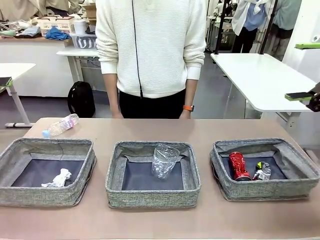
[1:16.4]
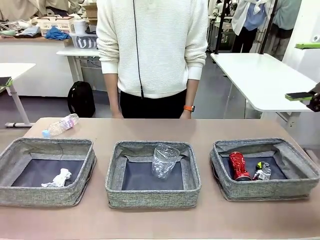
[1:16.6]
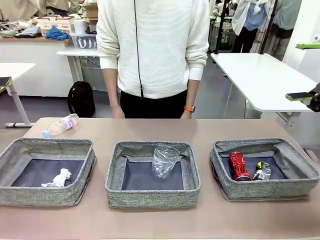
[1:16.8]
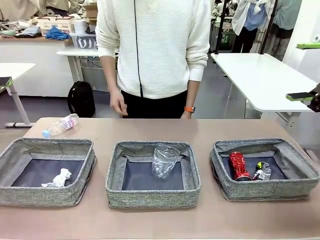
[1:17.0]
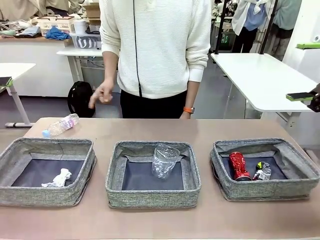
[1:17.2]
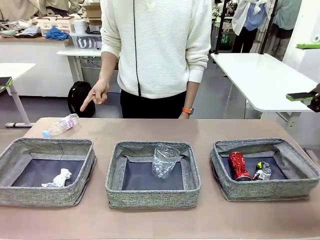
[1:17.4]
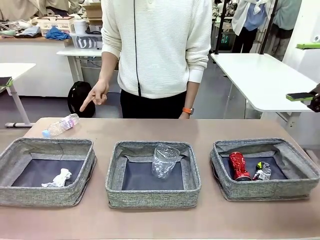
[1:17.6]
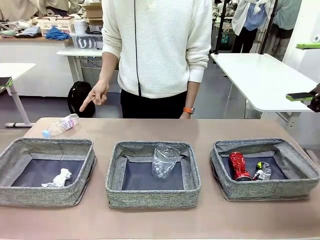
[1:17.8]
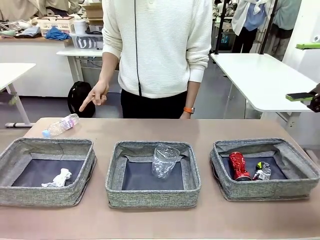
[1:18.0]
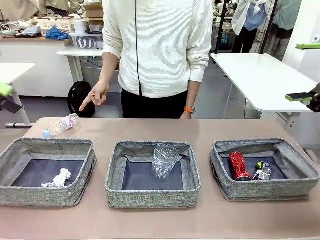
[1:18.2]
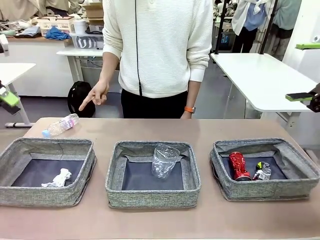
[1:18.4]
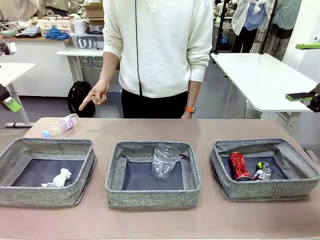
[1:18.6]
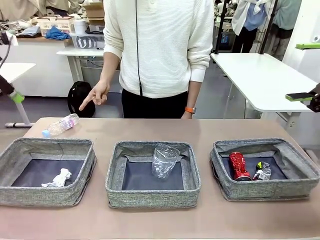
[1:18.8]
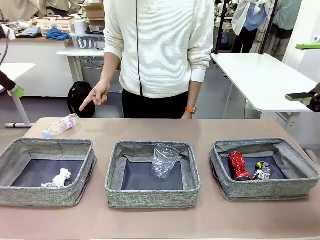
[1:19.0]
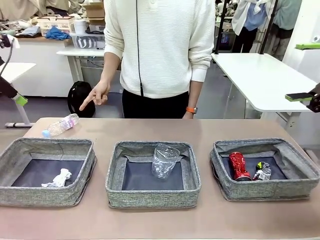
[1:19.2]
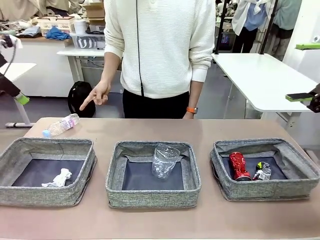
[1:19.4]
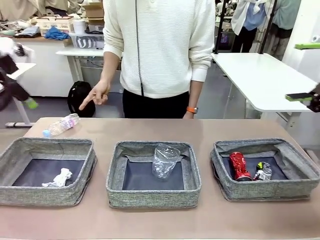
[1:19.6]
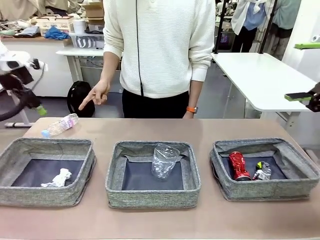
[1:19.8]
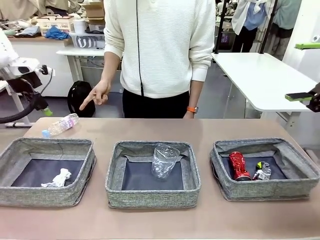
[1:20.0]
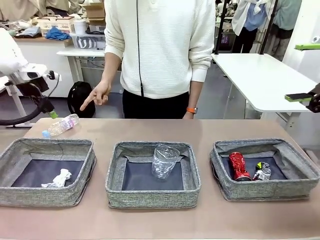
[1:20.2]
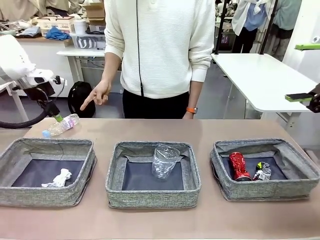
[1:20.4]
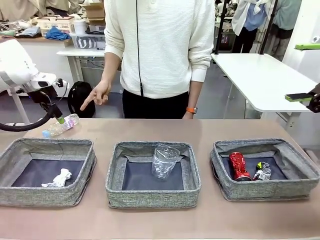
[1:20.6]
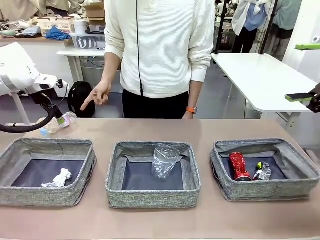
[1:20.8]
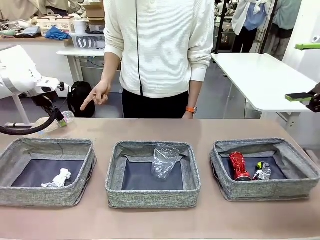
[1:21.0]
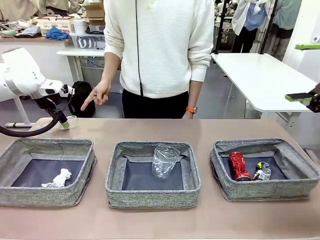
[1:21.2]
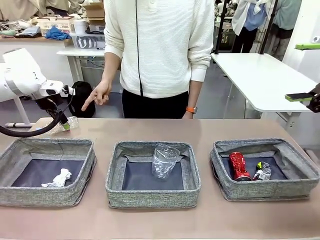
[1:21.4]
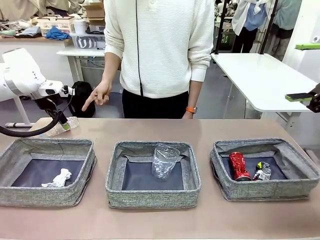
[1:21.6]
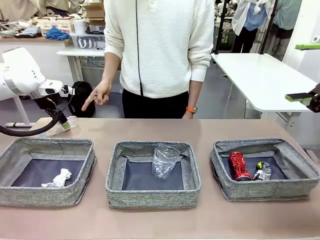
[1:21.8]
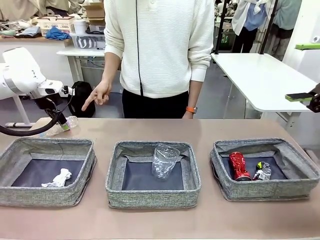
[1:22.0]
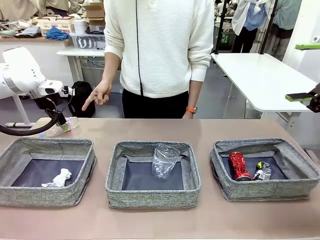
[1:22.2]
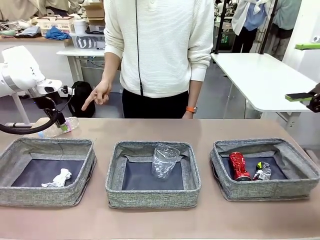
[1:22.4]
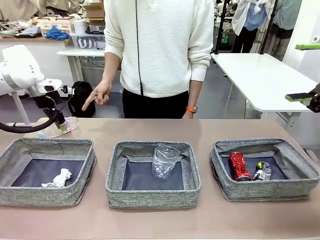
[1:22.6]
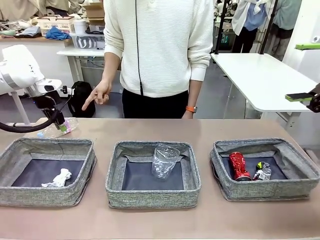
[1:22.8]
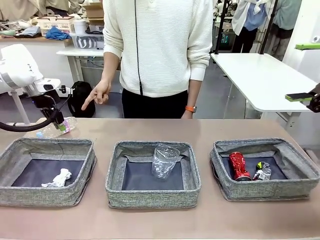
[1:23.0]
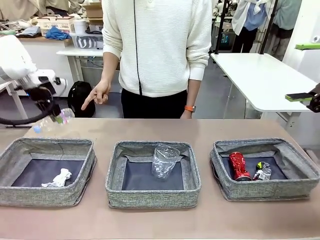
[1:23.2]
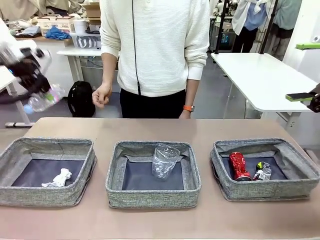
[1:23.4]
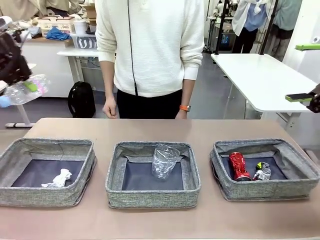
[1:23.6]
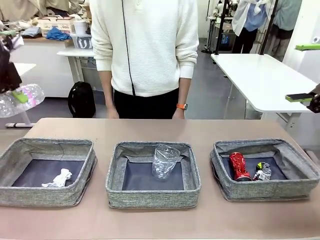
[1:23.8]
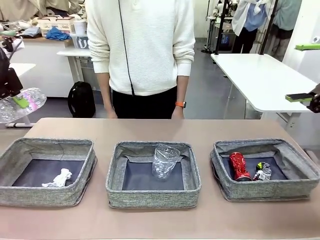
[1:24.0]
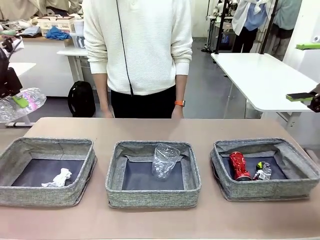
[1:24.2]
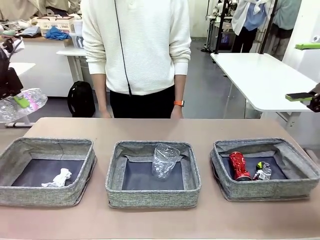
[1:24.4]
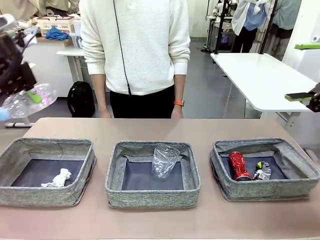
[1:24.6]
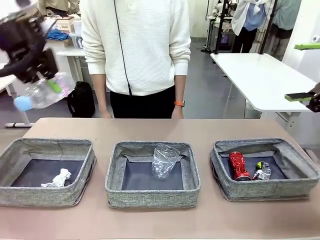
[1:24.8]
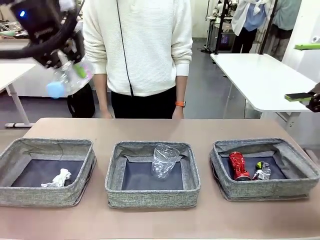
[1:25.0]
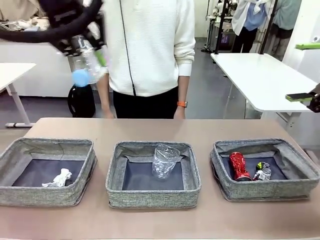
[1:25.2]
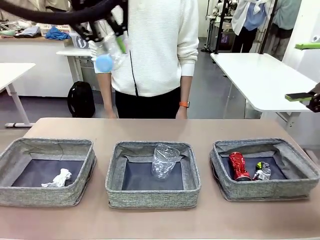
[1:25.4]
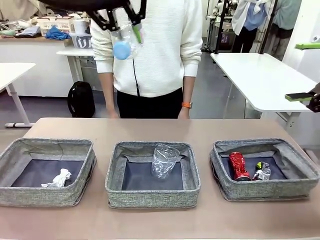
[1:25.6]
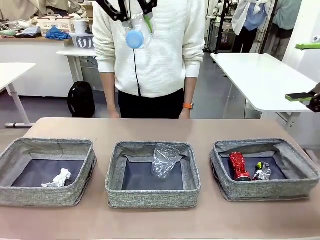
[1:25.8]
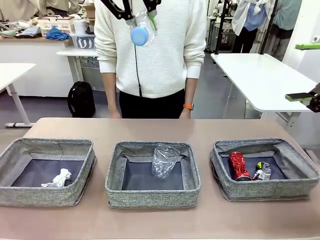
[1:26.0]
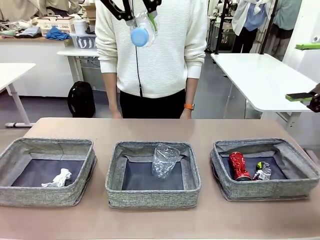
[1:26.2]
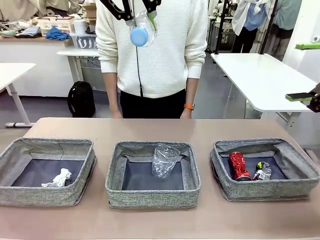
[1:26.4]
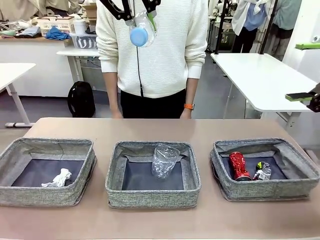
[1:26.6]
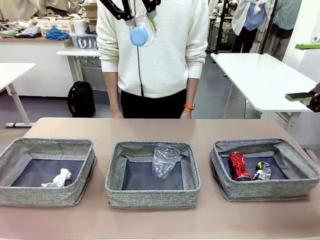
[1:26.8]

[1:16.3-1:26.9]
Task: Sort the waste into the appropriate baskets.
Robot: Pick up the waste item pointed out by the person.
Person: Points to one piece of trash on the table.

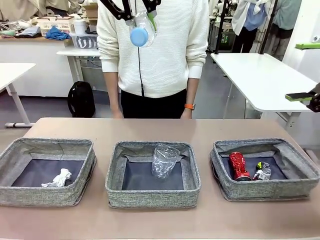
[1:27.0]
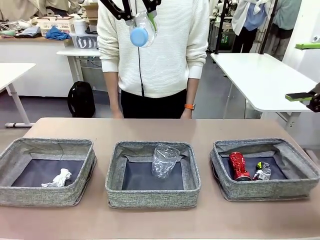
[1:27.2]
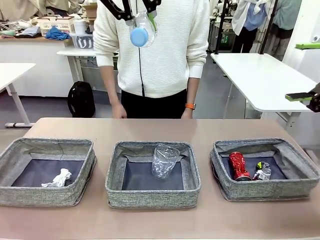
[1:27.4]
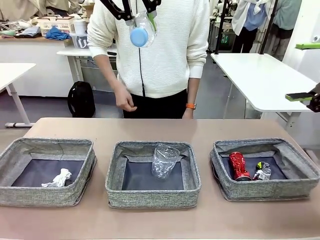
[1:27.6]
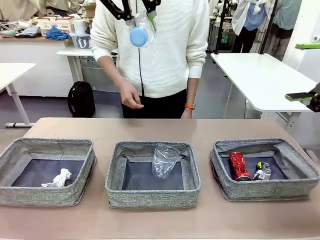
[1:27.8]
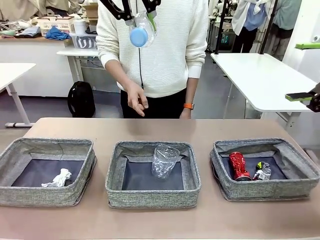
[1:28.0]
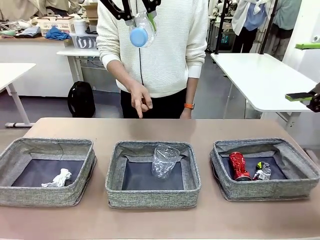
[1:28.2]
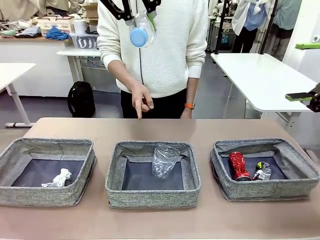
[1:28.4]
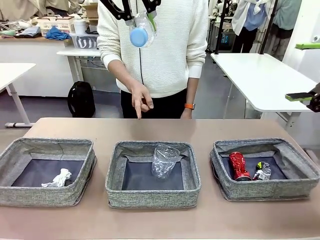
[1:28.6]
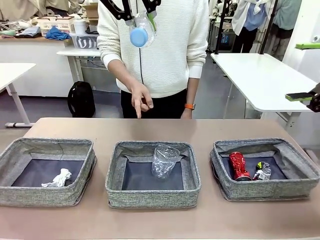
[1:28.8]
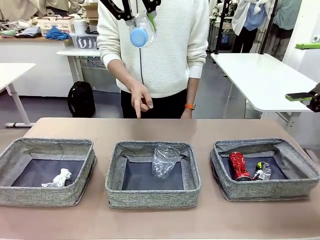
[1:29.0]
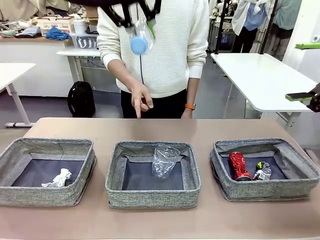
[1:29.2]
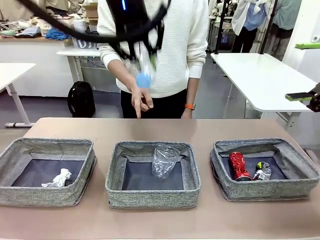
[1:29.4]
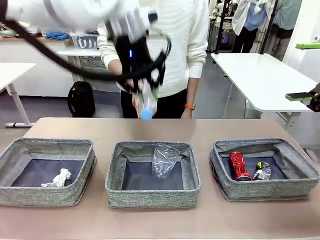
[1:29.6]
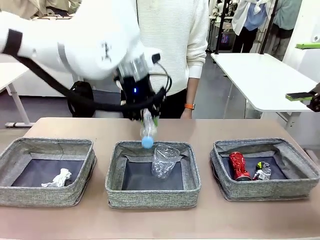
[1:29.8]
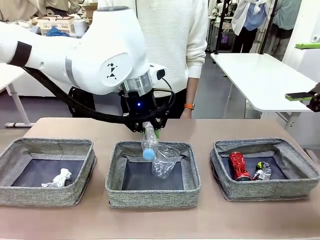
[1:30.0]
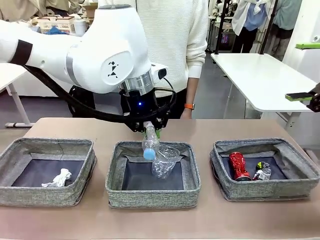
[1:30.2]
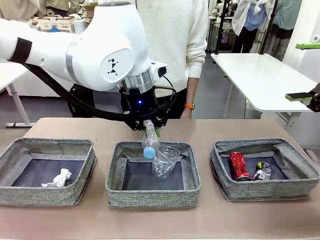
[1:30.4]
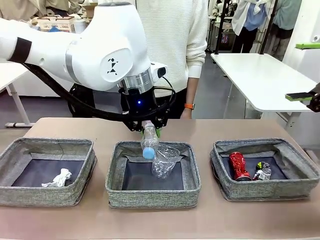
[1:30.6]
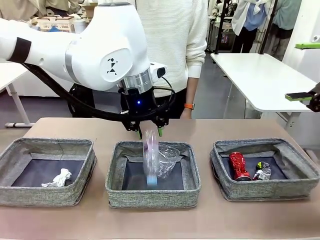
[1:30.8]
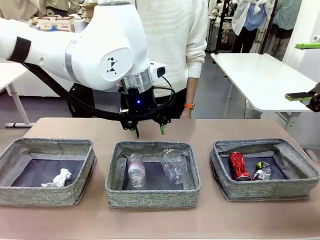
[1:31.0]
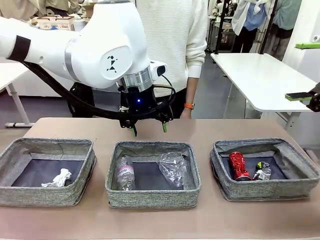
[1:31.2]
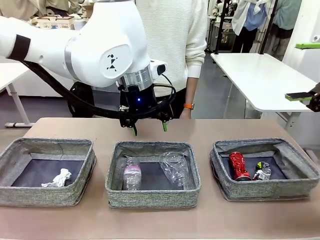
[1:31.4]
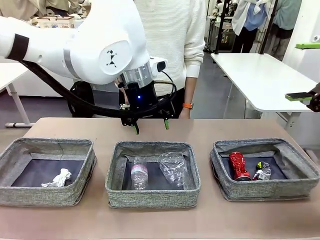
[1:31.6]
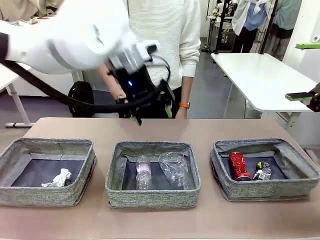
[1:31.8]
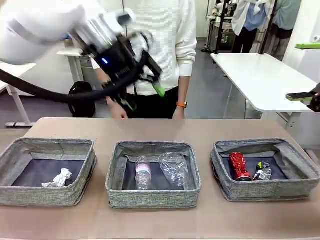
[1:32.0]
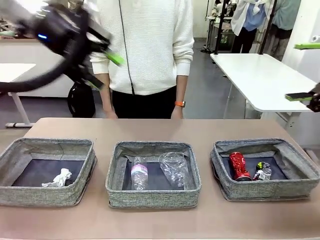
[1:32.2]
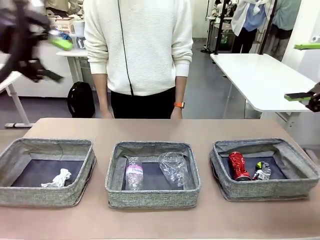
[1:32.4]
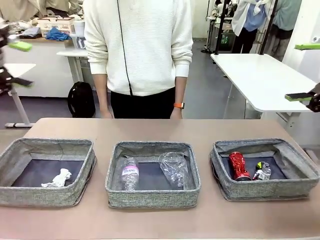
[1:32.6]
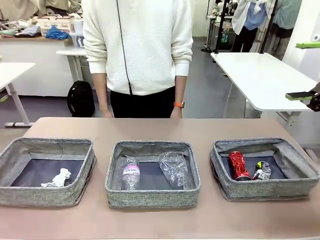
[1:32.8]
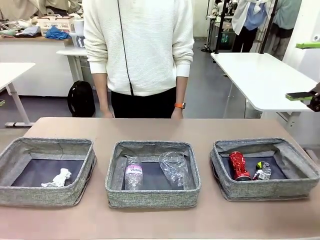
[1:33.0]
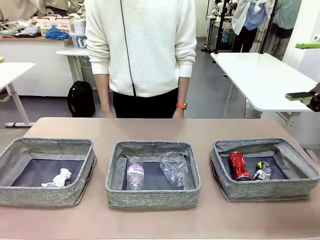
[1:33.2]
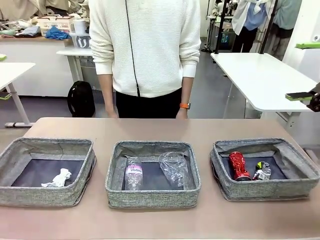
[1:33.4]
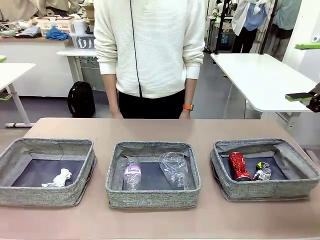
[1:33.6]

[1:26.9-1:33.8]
Robot: Place the picked waste into the Fabric basket indicated by the person.
Person: Instructs the robot to place the picked-up trash into the appropriate organizing basket.
